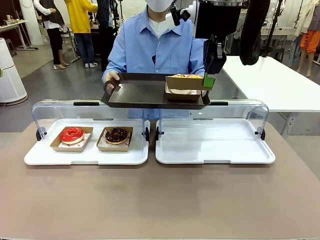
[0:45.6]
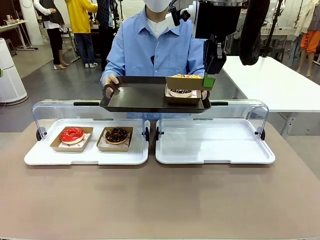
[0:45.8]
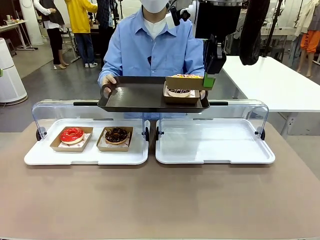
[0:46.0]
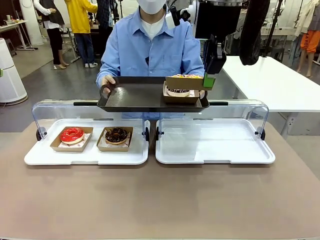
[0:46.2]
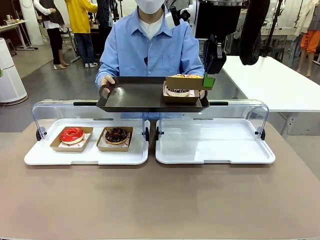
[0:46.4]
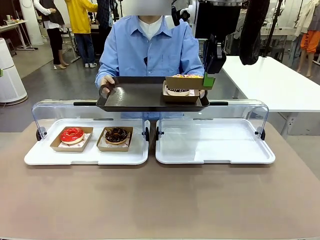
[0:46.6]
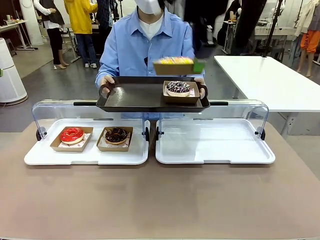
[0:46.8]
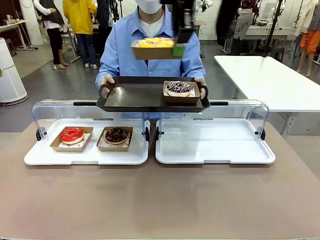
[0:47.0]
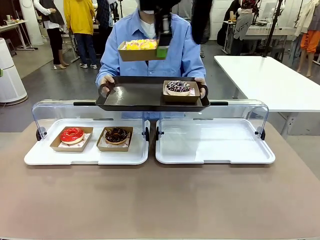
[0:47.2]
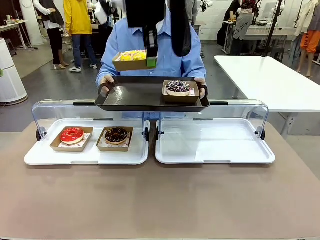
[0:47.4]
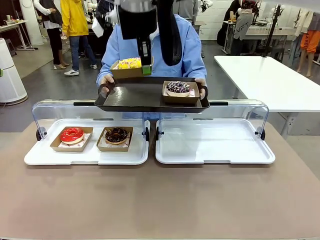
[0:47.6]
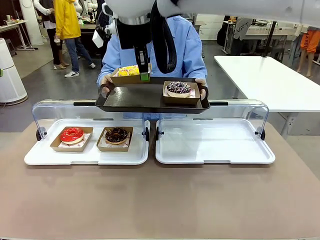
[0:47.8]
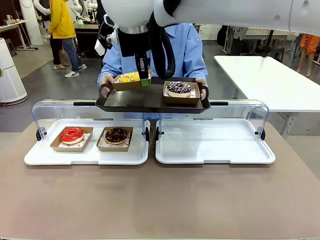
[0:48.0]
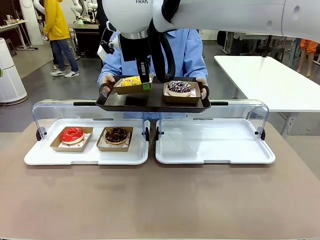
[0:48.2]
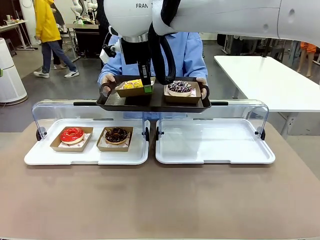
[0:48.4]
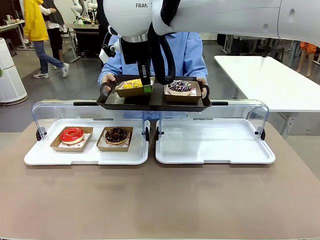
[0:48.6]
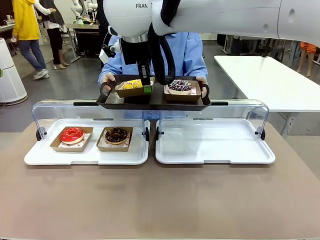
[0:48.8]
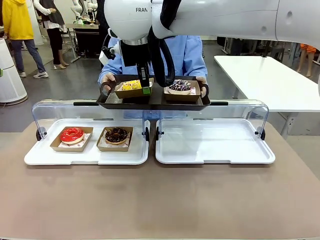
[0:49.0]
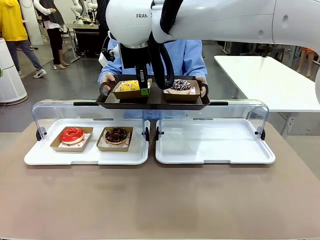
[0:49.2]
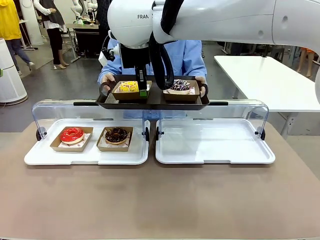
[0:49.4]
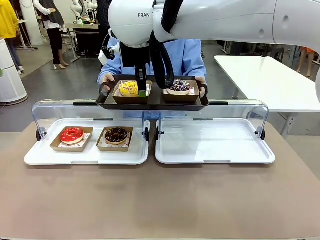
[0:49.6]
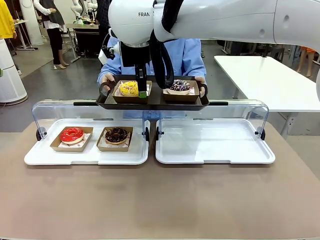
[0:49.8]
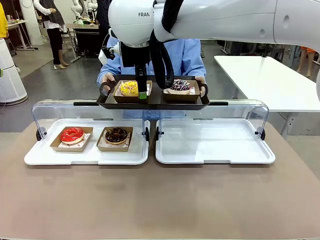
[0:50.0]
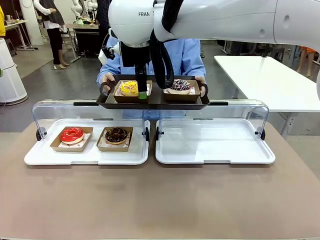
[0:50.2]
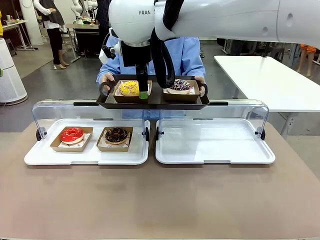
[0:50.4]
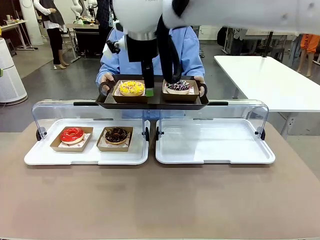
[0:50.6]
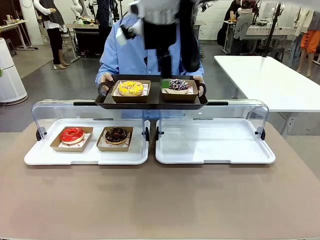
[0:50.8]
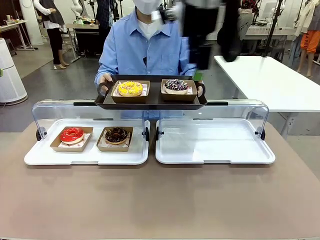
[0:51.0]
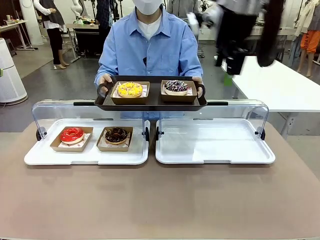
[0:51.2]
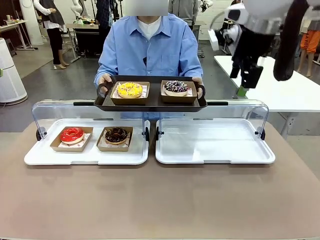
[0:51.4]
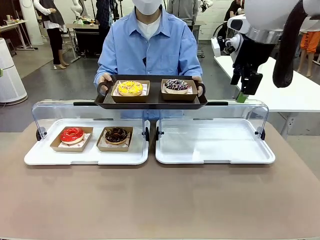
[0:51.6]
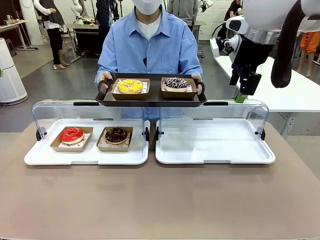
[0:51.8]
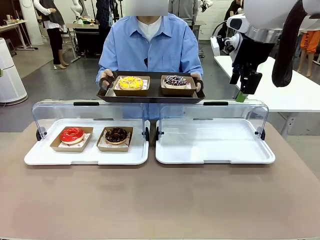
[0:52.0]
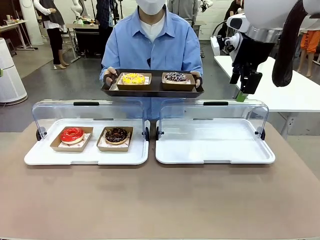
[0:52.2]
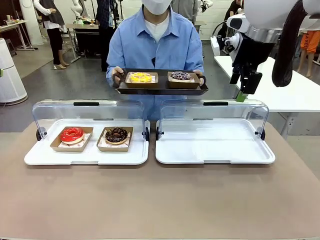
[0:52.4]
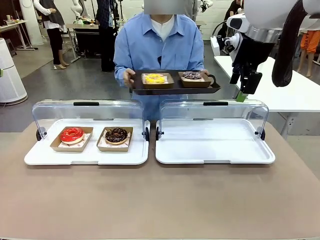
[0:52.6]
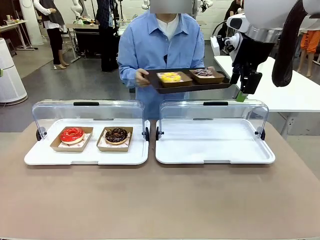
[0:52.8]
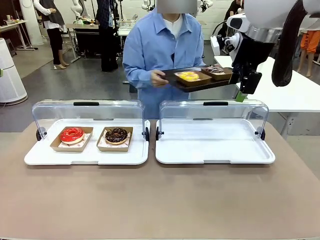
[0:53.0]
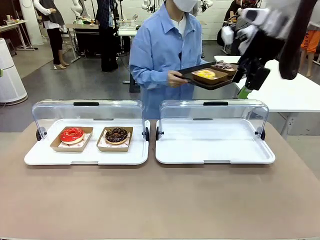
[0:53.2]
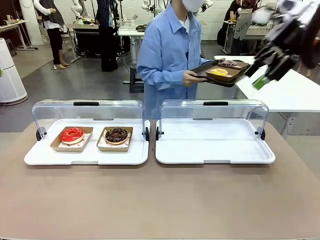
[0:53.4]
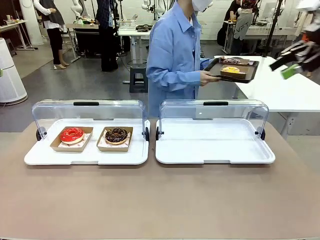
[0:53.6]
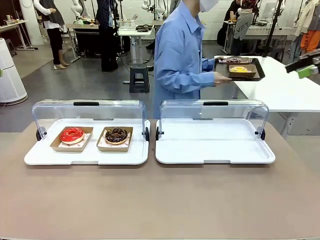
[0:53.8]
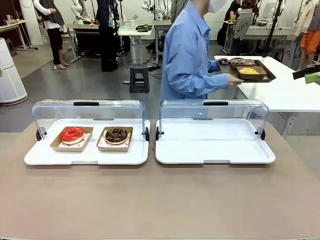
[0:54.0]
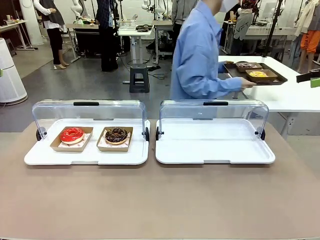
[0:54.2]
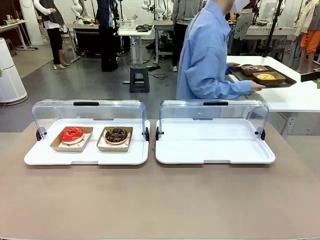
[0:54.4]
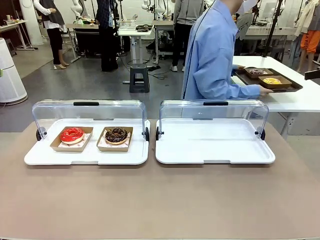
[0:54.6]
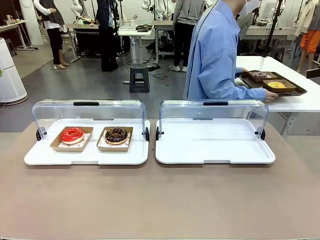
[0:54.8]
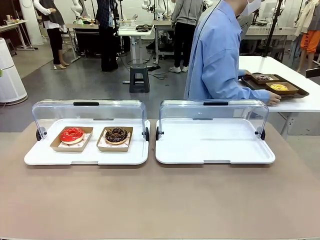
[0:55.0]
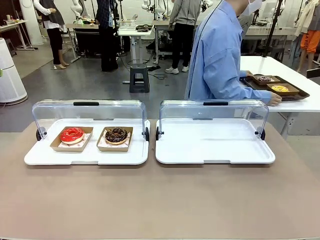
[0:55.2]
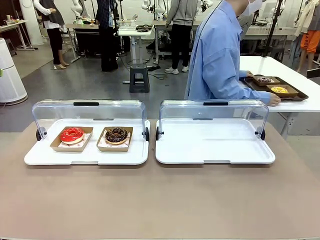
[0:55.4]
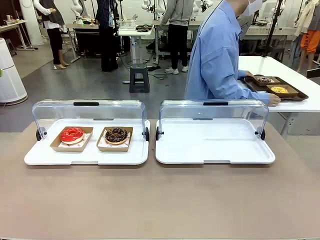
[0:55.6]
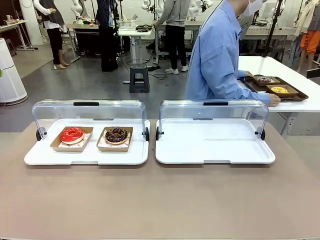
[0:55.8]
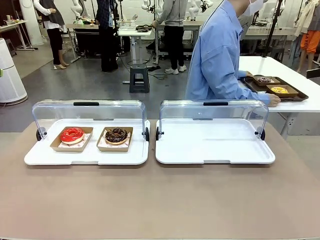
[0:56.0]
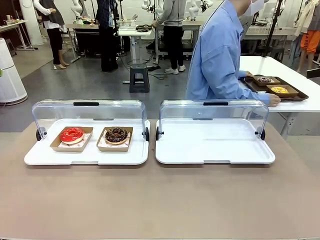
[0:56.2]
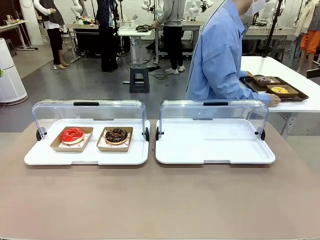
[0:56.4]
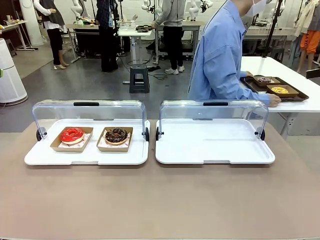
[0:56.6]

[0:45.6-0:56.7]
Task: Provide the desired donut to the person.
Robot: Place the picked Paper togo box onto the Handle tray extended by the person.
Person: Place the tray in the middle of the human table.

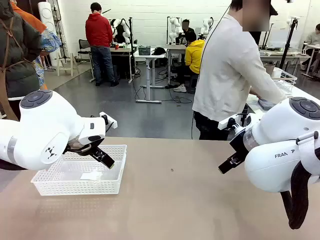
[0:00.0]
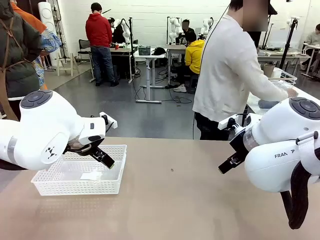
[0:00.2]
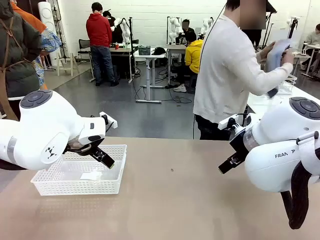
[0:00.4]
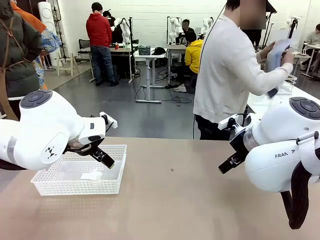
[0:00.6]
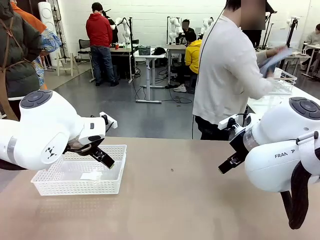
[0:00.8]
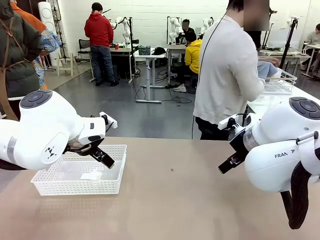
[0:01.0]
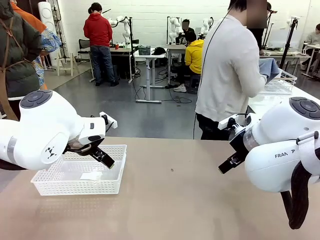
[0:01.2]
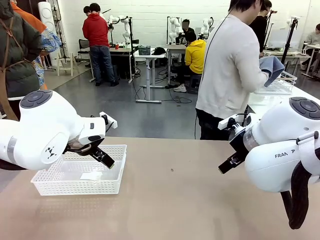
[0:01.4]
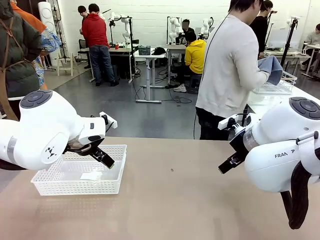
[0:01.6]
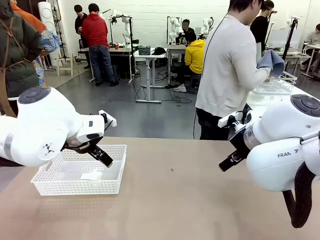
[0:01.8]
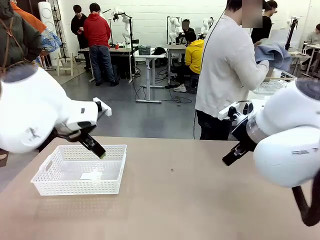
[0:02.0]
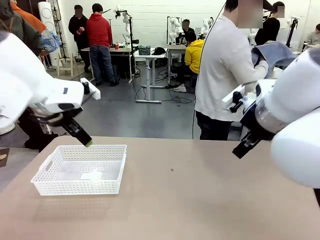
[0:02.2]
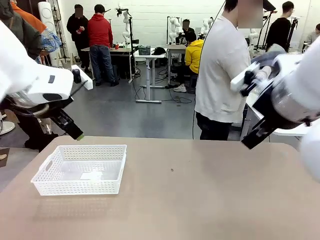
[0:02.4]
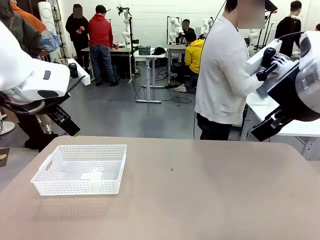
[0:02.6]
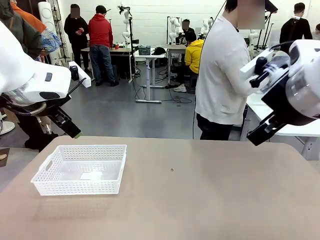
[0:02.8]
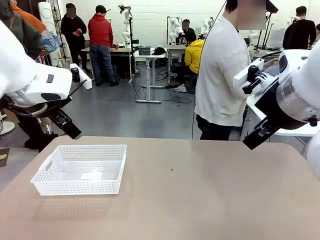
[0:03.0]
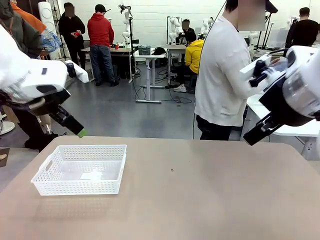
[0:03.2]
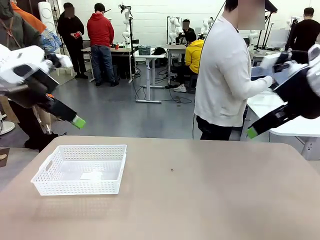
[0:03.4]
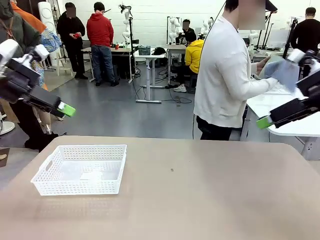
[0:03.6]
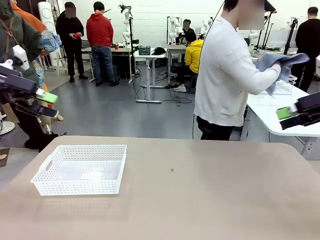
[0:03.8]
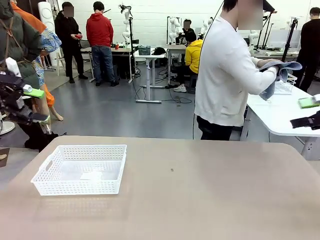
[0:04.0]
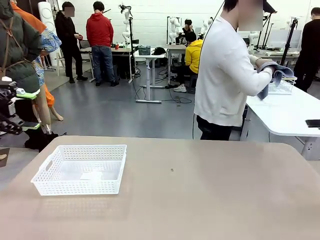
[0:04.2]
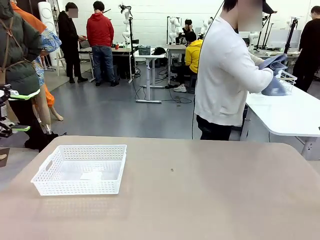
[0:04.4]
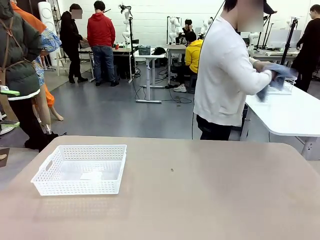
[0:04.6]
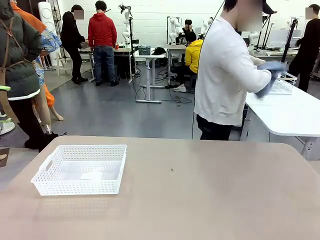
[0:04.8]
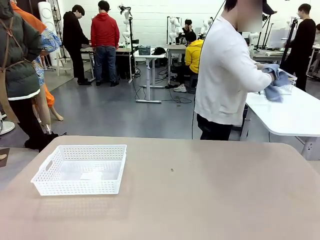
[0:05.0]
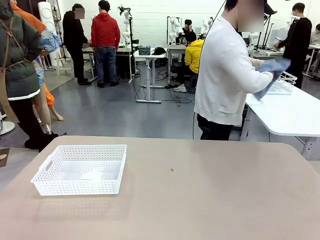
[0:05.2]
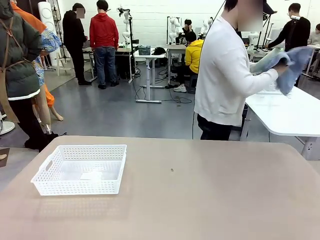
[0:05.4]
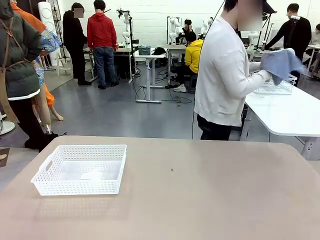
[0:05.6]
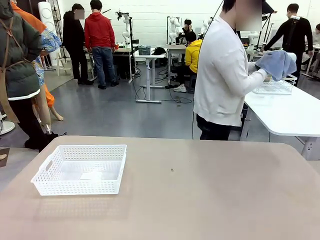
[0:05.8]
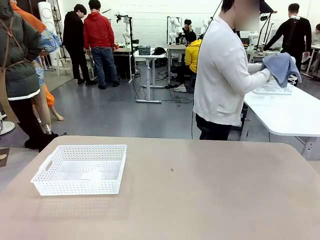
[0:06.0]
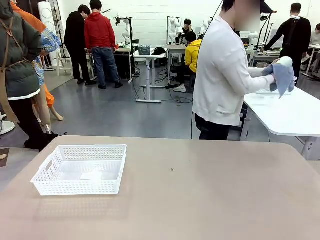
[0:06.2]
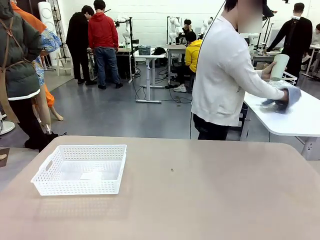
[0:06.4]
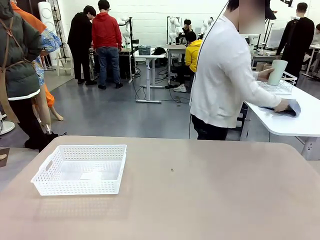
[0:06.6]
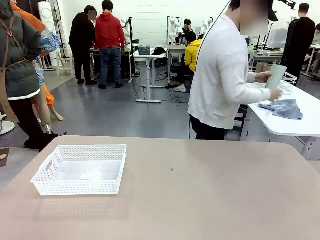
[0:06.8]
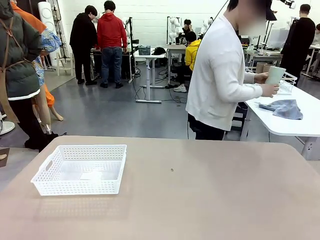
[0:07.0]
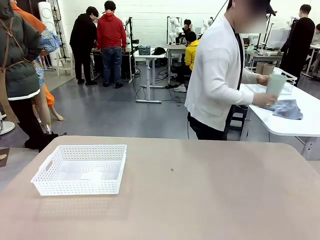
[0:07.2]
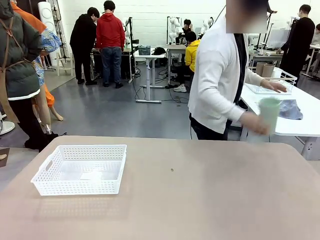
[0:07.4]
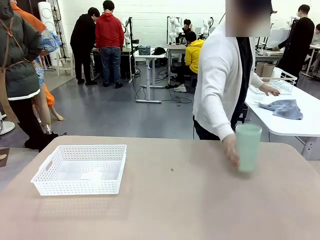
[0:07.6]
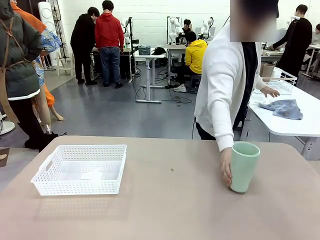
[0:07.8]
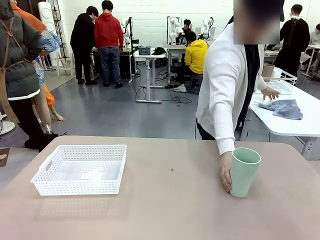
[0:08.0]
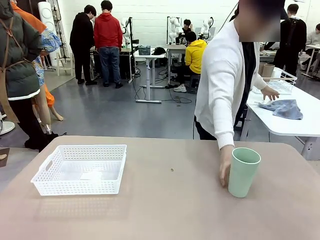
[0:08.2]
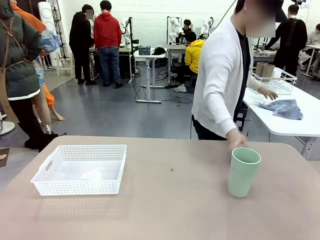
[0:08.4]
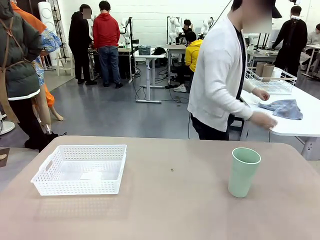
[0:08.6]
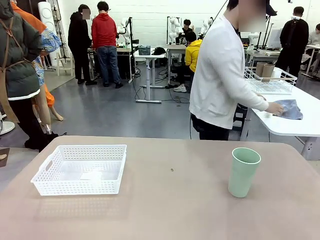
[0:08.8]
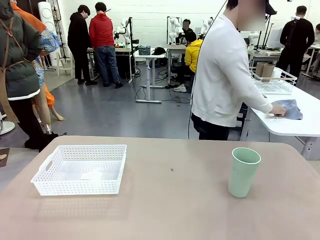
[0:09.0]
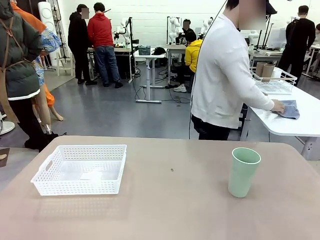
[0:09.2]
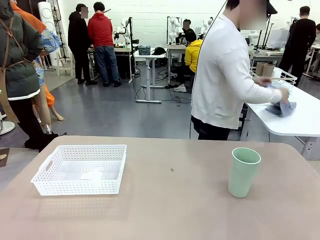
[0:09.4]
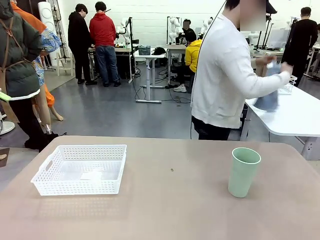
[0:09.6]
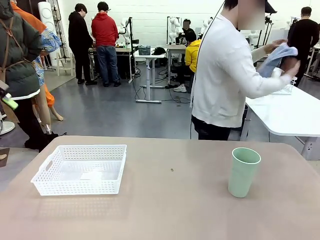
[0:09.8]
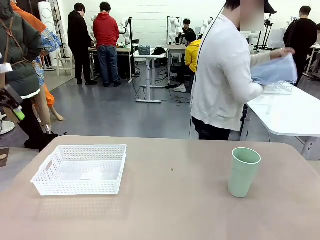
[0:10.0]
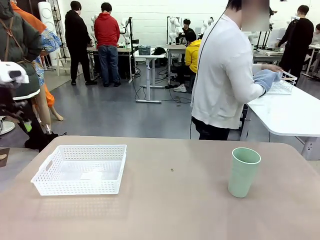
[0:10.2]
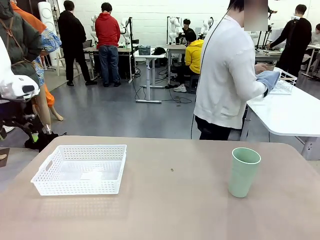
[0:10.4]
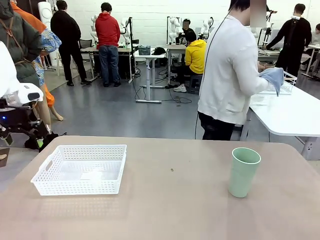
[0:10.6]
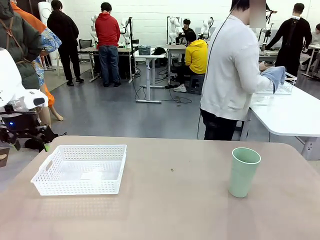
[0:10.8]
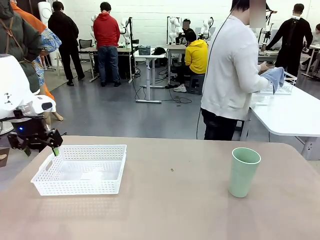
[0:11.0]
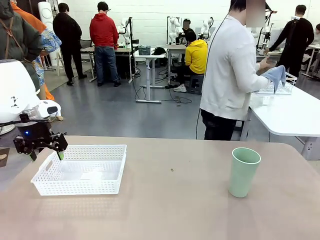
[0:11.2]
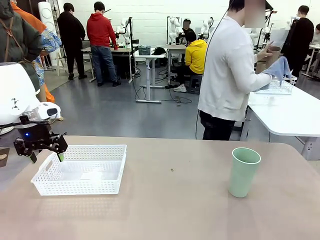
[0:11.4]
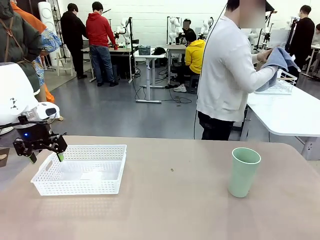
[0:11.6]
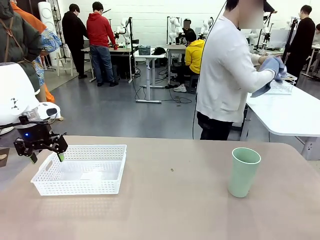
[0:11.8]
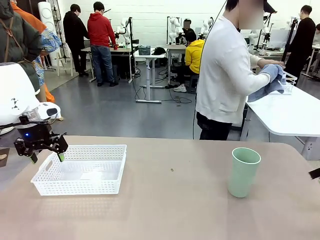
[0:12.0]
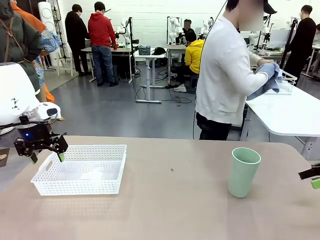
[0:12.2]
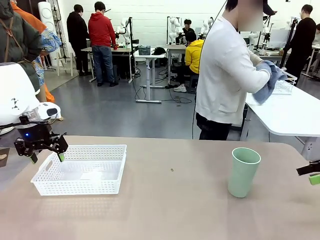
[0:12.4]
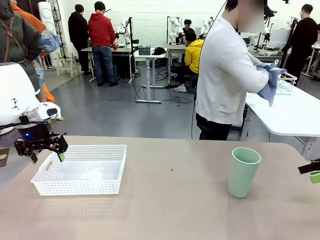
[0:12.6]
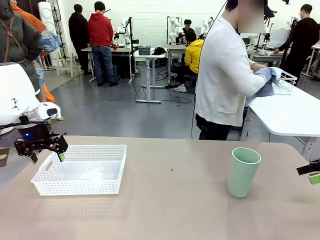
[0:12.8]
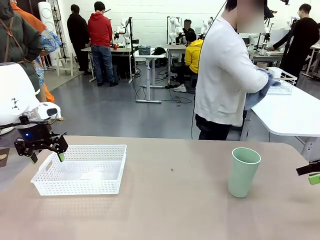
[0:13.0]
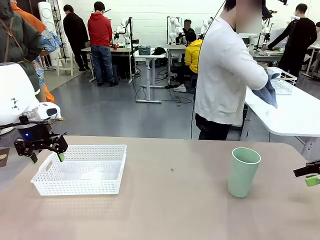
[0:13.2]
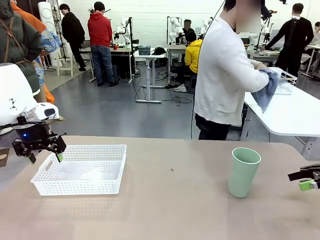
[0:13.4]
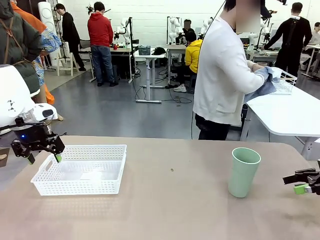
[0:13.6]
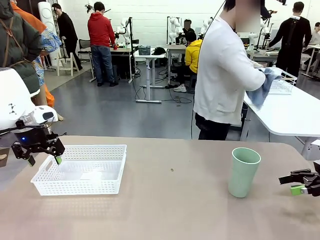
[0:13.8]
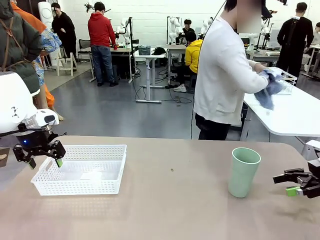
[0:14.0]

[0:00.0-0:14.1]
Task: Clean and organize the cups into the basket.
Robot: Pick up the Organizing basket and move it to the center of the table, then pick up the Reusable plastic cup from the right side of the table and place it inside the Organizing basket.
Person: Picks up a cup and a towel, cleans the cup with the towel, and places it on the left side of the robot table.
